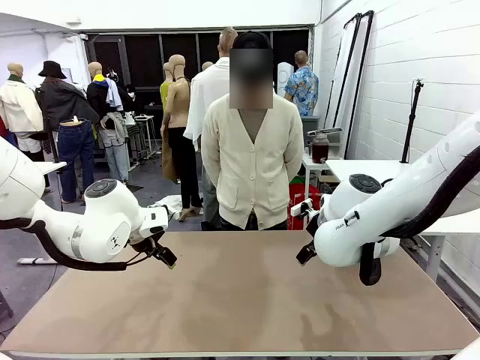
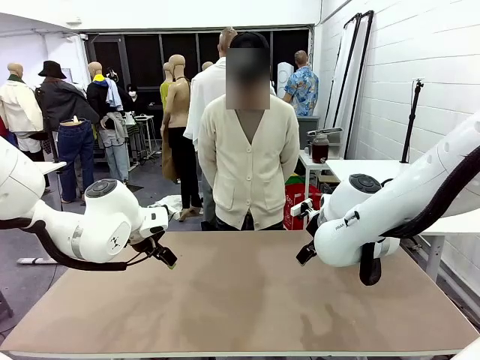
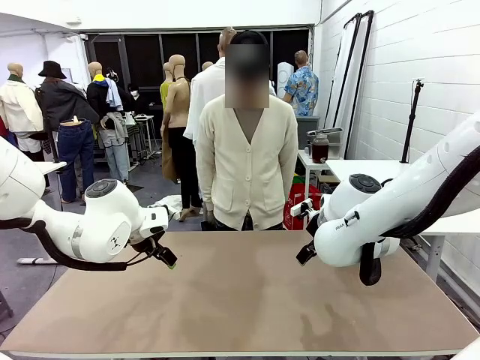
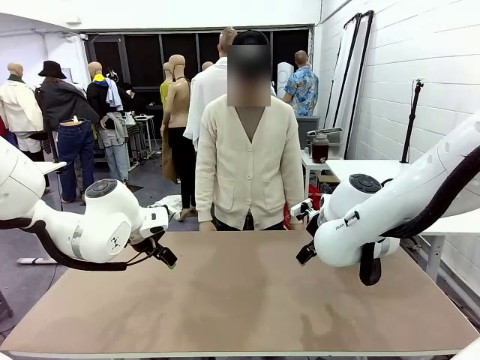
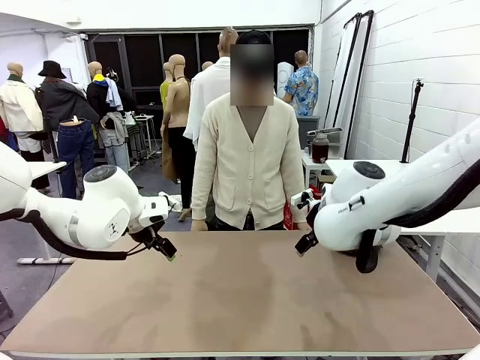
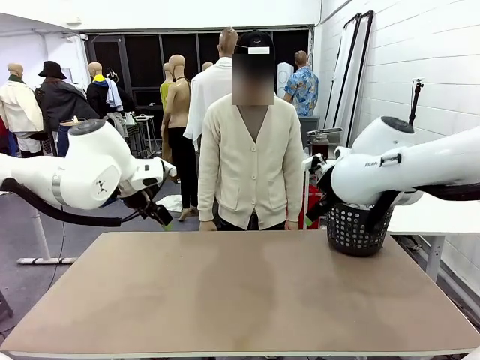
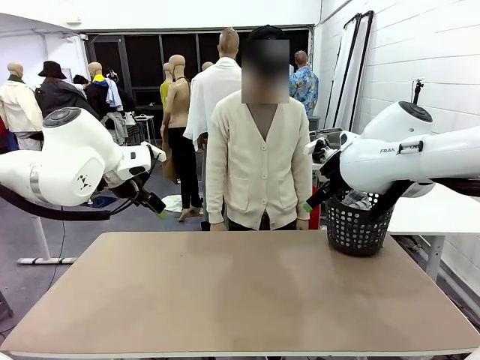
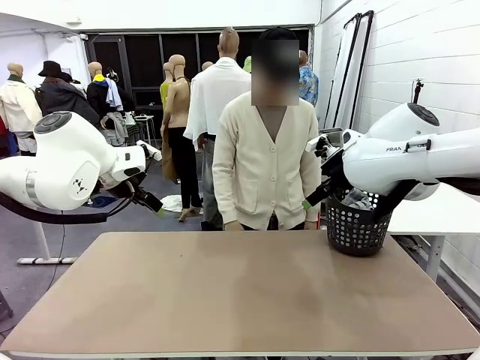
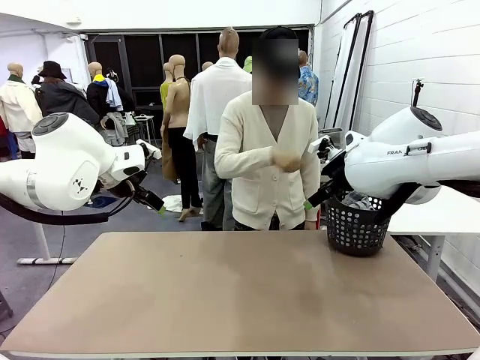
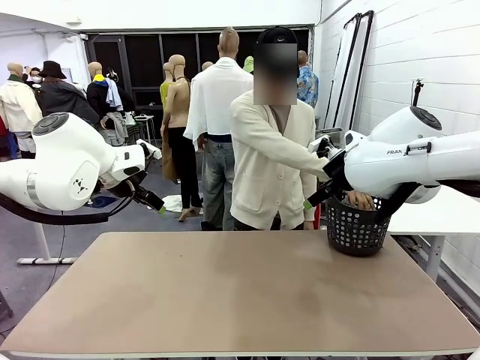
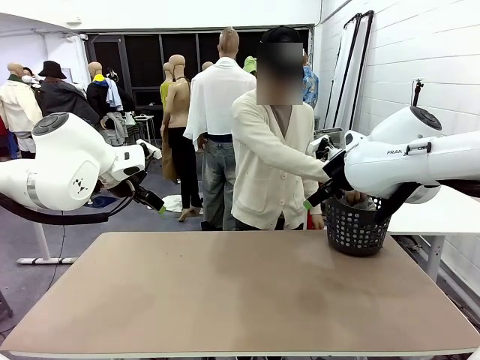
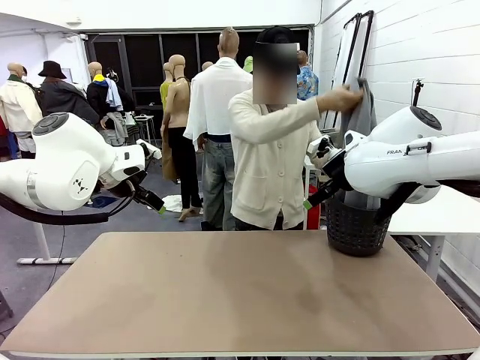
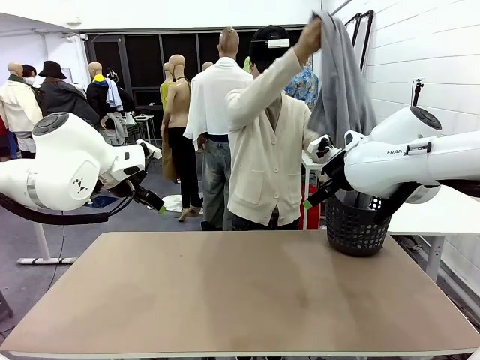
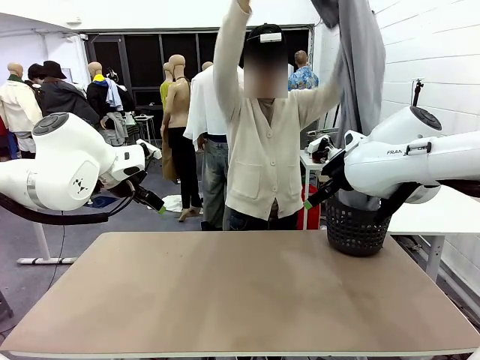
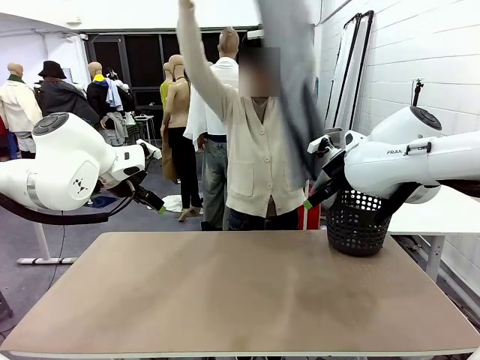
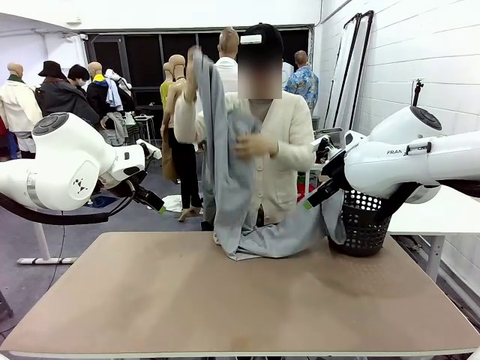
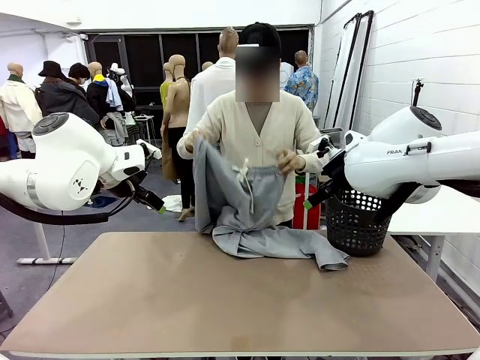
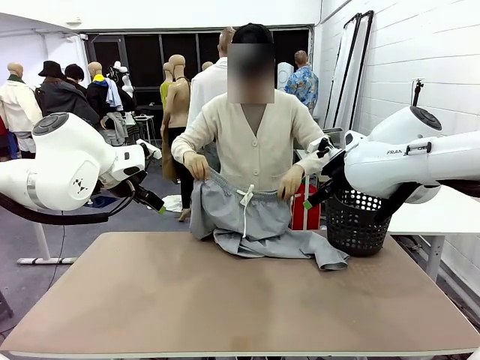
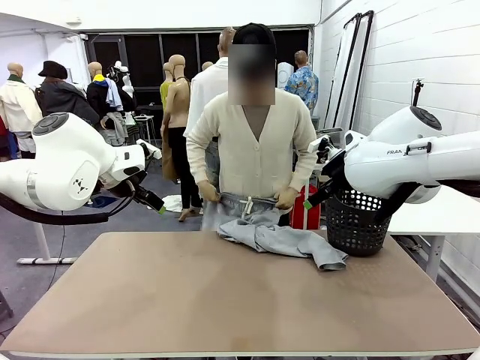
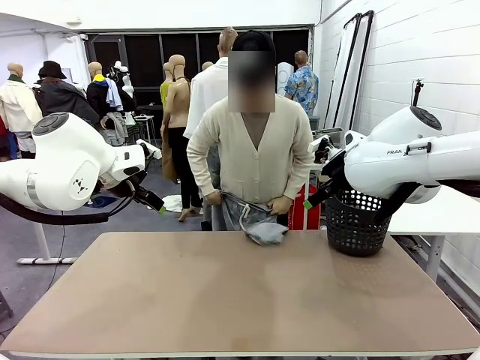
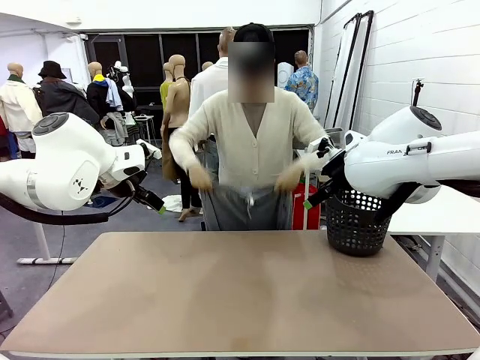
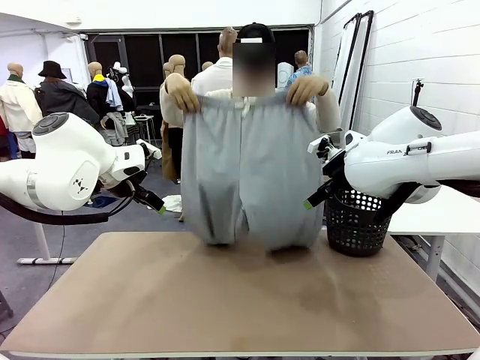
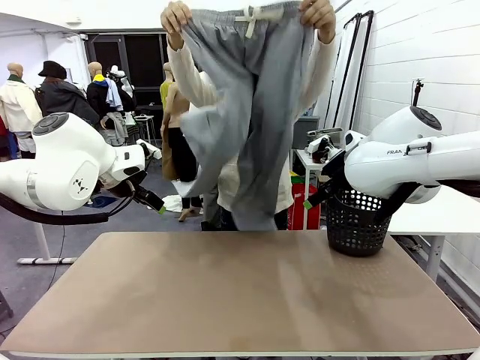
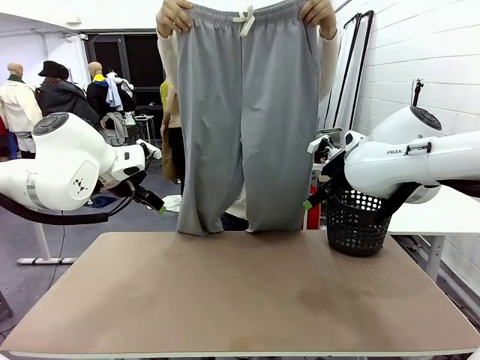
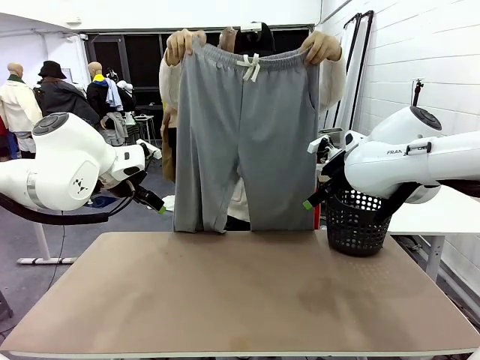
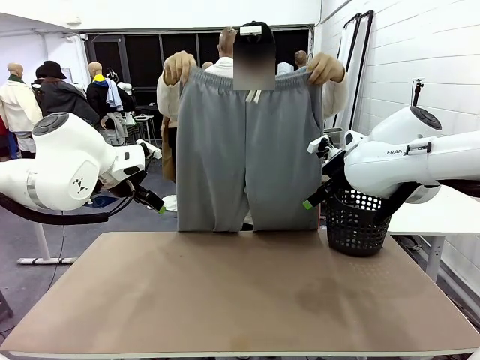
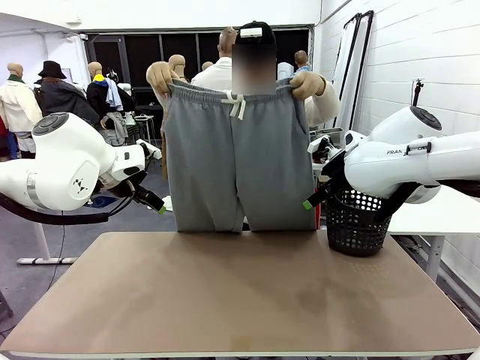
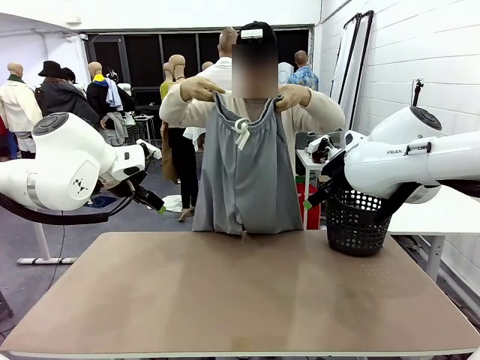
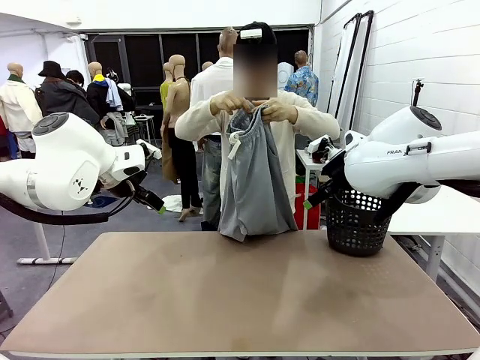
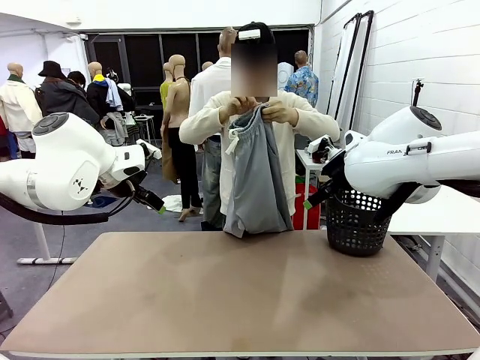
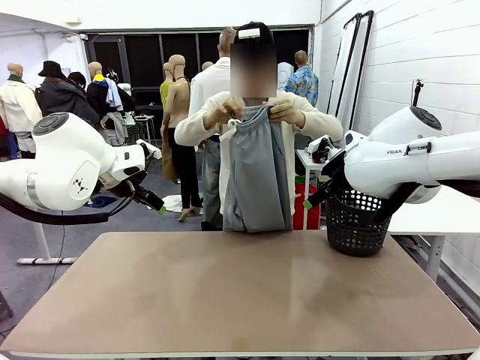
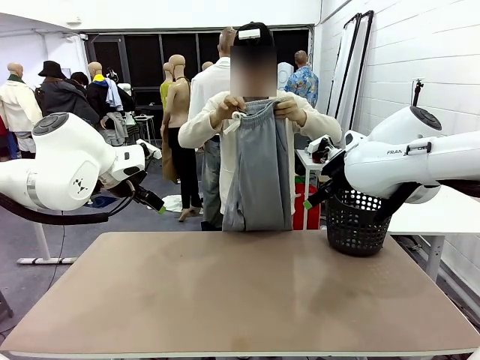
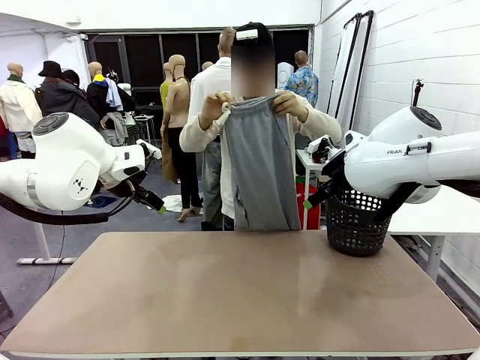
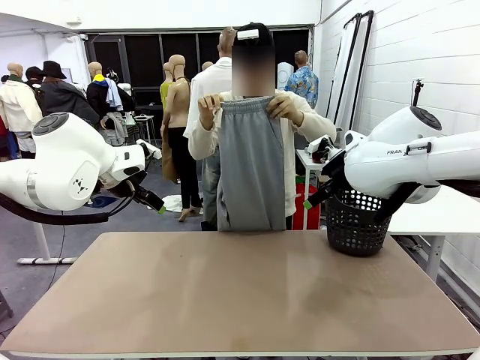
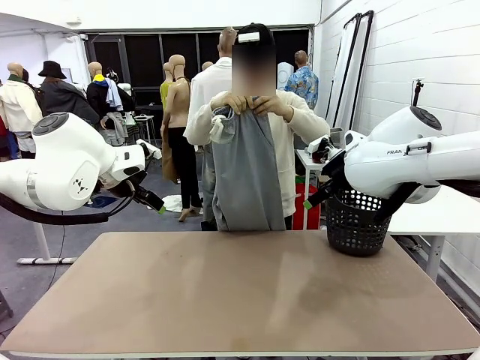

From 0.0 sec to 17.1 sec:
Task: Fold the training pants.
Robot: Grab both ends of the Training pants handed by a person.
Person: Take the long pants out of the laundry basket, unfold them, fold the waist in half, and extend them so the robot can pick up both corners.
